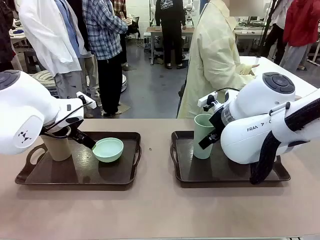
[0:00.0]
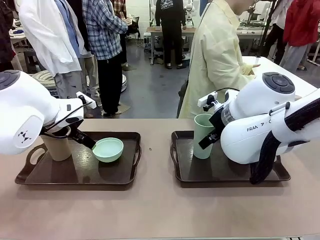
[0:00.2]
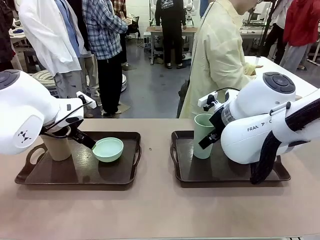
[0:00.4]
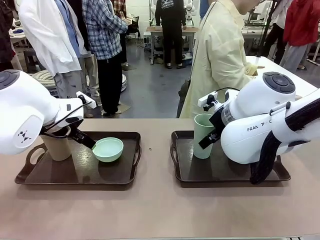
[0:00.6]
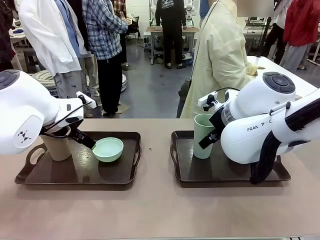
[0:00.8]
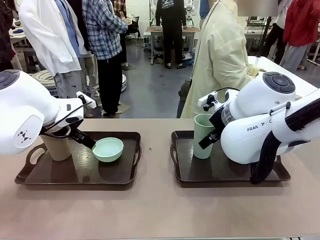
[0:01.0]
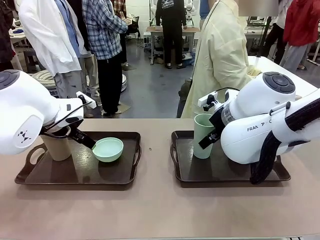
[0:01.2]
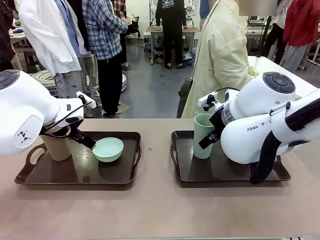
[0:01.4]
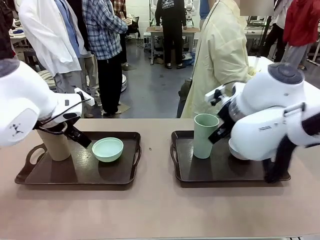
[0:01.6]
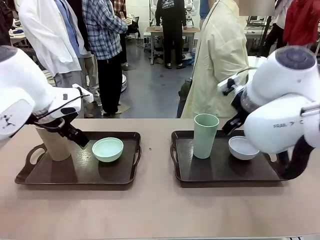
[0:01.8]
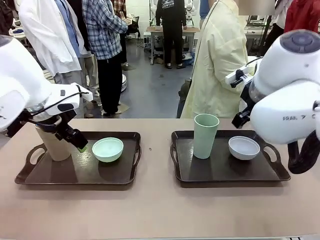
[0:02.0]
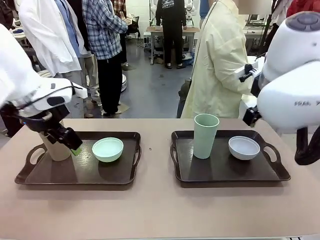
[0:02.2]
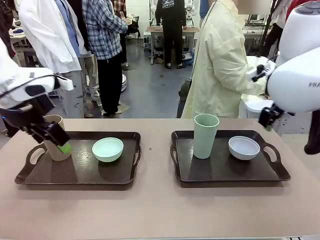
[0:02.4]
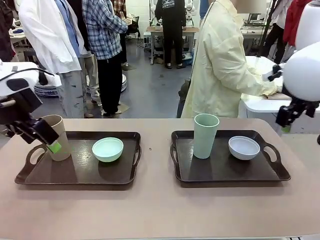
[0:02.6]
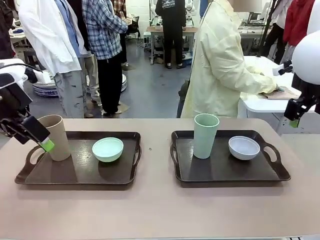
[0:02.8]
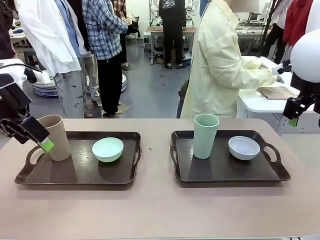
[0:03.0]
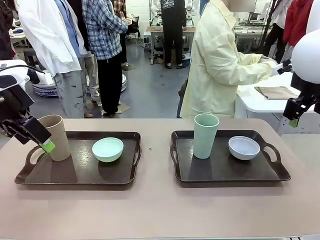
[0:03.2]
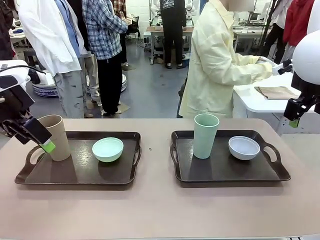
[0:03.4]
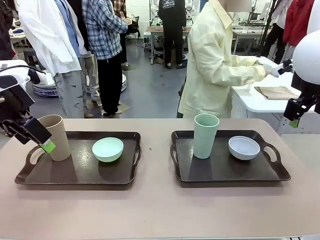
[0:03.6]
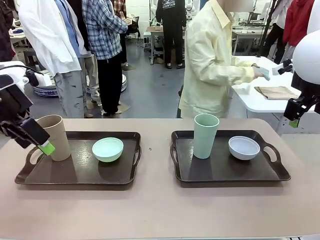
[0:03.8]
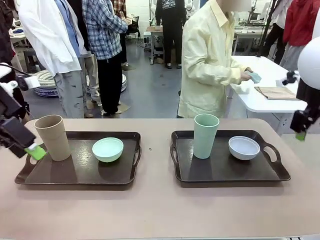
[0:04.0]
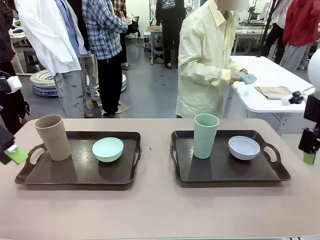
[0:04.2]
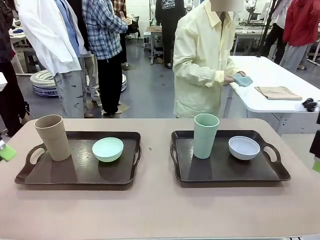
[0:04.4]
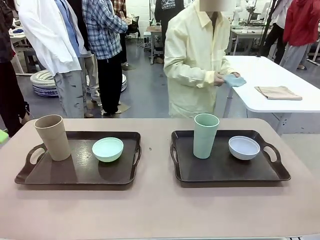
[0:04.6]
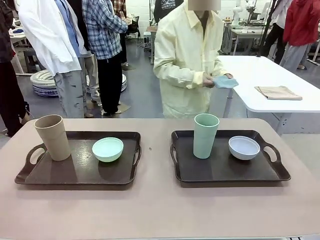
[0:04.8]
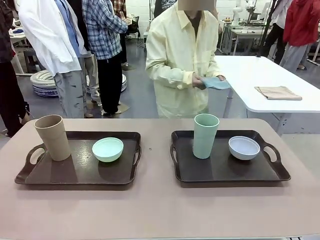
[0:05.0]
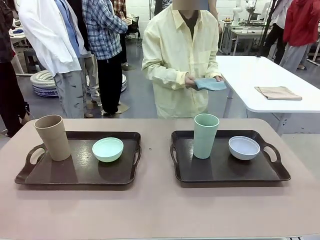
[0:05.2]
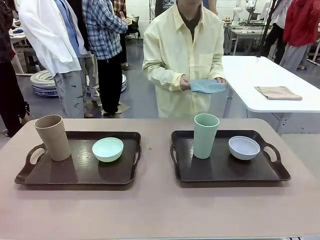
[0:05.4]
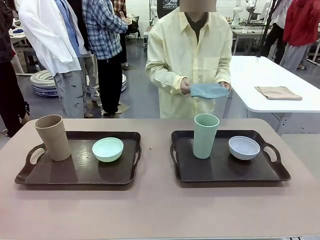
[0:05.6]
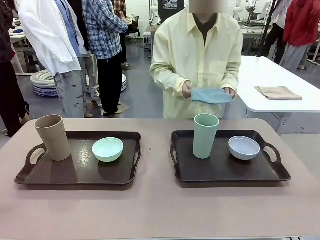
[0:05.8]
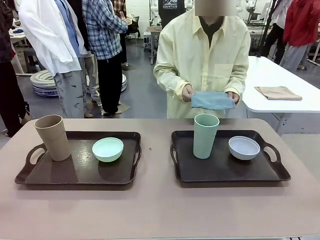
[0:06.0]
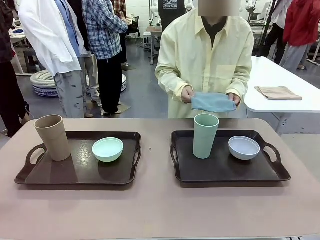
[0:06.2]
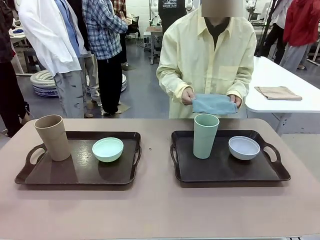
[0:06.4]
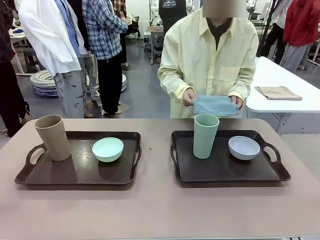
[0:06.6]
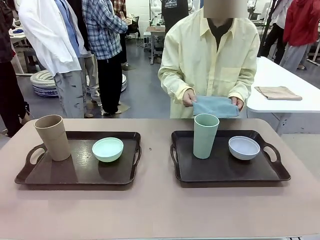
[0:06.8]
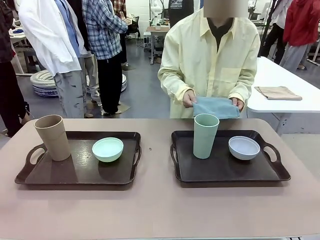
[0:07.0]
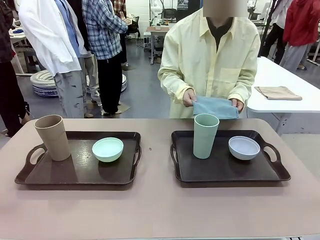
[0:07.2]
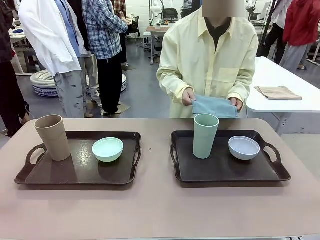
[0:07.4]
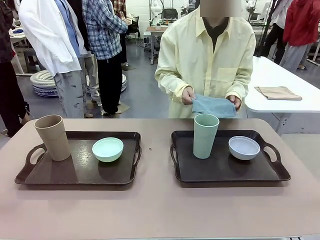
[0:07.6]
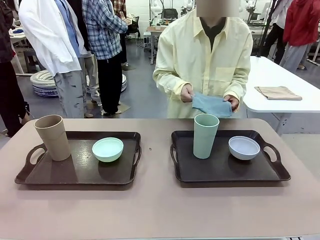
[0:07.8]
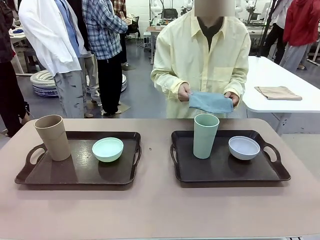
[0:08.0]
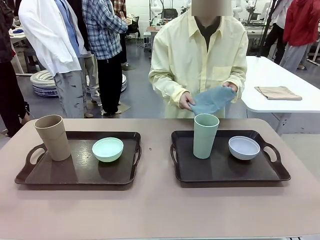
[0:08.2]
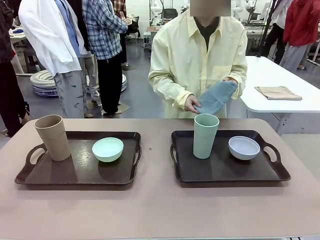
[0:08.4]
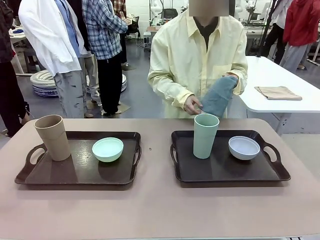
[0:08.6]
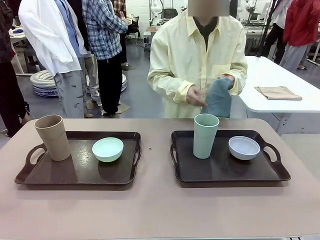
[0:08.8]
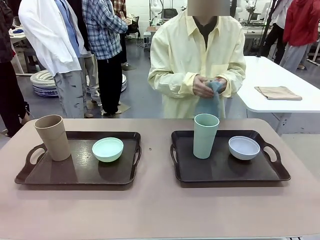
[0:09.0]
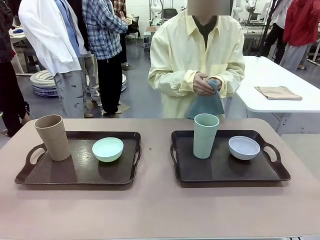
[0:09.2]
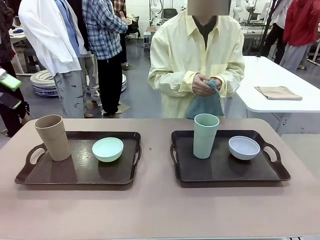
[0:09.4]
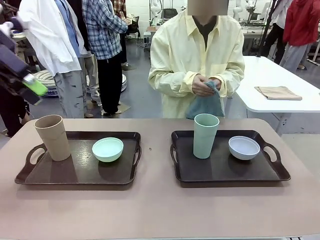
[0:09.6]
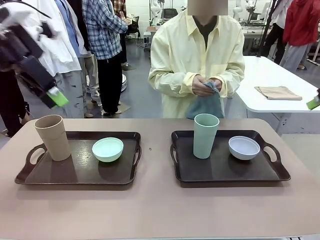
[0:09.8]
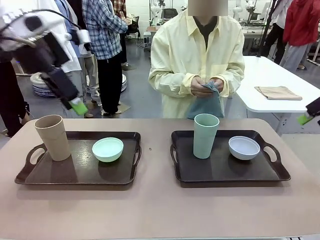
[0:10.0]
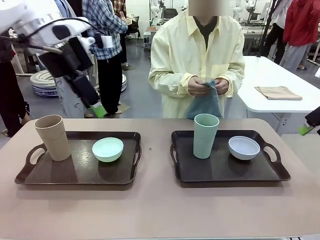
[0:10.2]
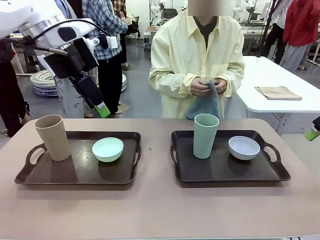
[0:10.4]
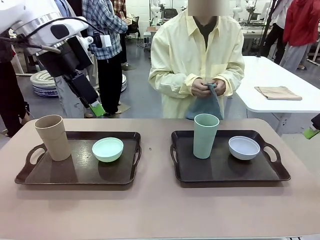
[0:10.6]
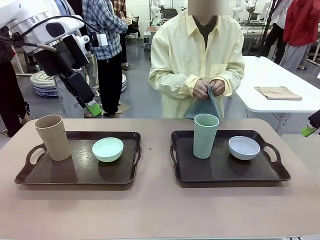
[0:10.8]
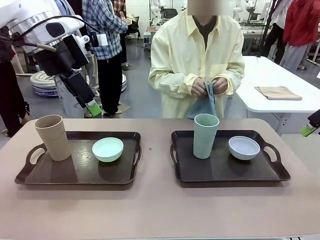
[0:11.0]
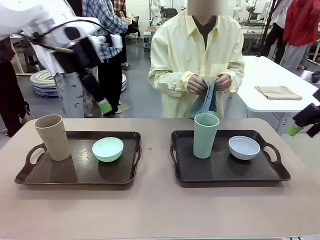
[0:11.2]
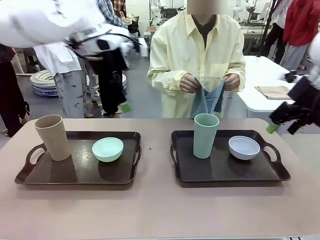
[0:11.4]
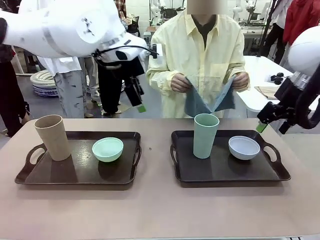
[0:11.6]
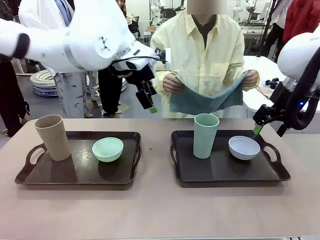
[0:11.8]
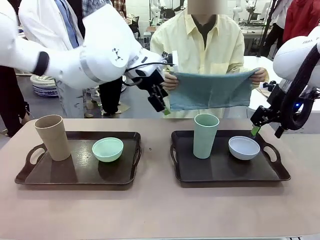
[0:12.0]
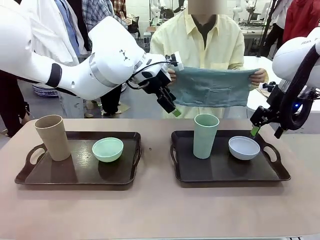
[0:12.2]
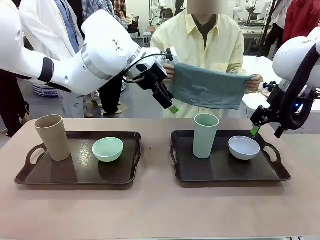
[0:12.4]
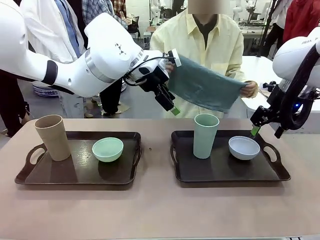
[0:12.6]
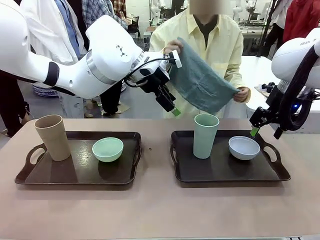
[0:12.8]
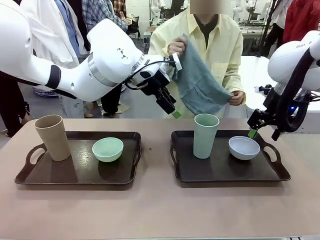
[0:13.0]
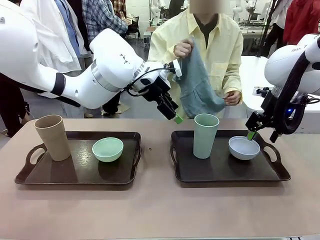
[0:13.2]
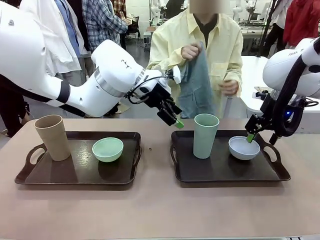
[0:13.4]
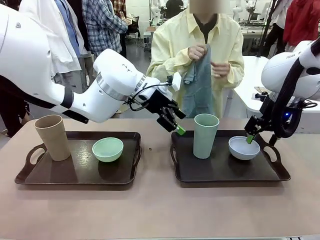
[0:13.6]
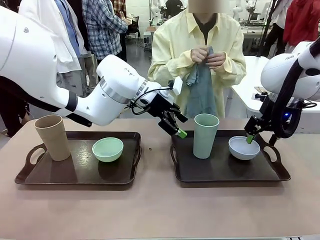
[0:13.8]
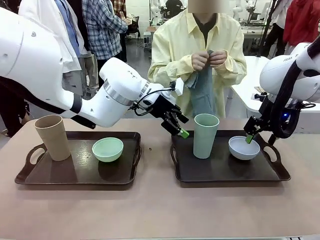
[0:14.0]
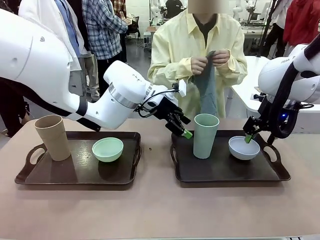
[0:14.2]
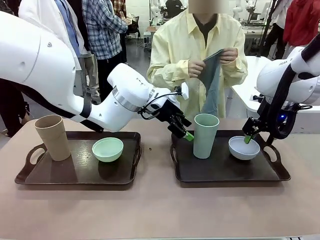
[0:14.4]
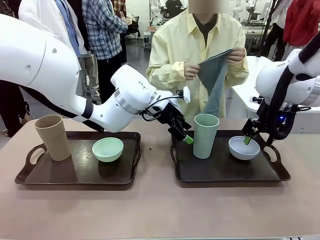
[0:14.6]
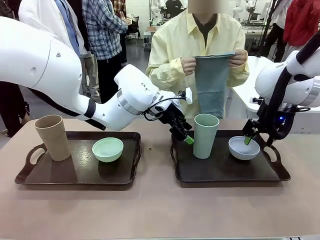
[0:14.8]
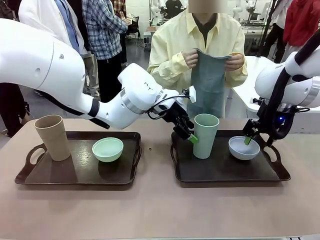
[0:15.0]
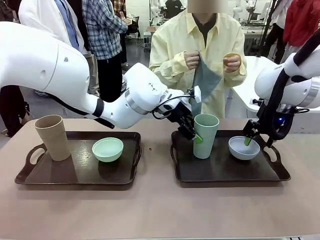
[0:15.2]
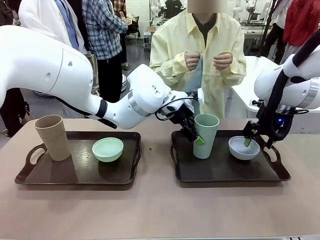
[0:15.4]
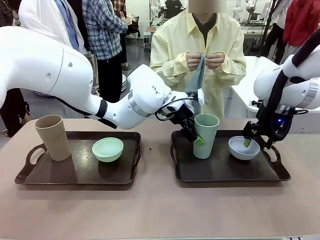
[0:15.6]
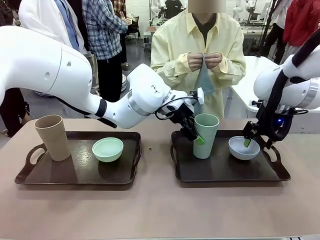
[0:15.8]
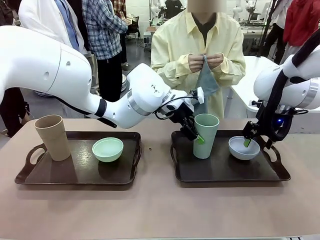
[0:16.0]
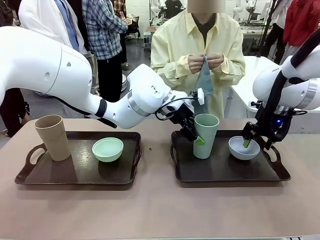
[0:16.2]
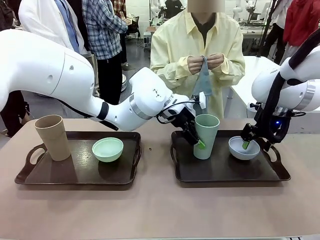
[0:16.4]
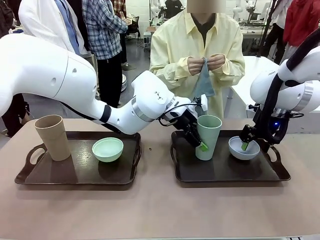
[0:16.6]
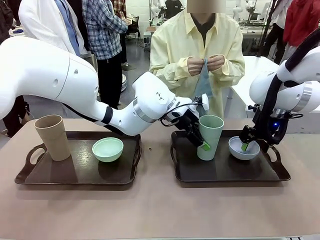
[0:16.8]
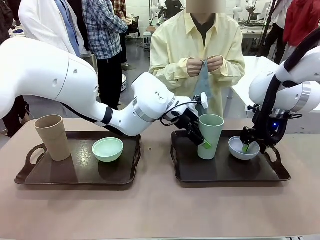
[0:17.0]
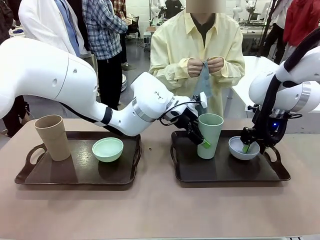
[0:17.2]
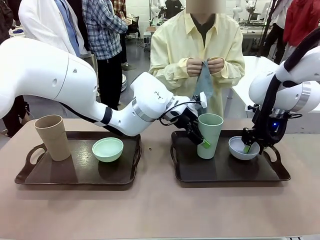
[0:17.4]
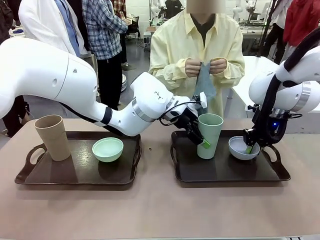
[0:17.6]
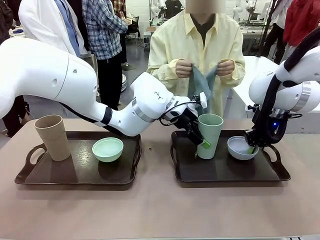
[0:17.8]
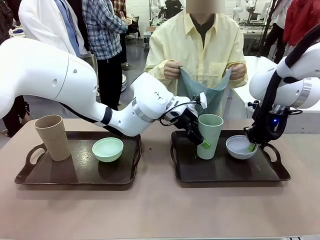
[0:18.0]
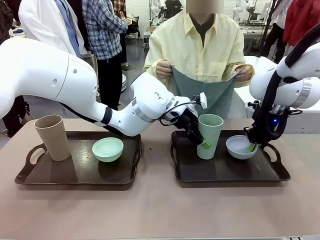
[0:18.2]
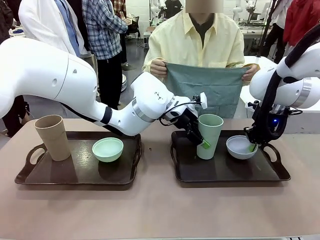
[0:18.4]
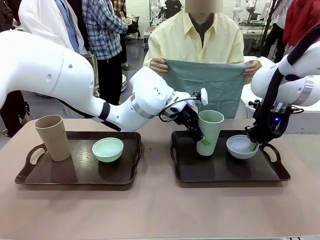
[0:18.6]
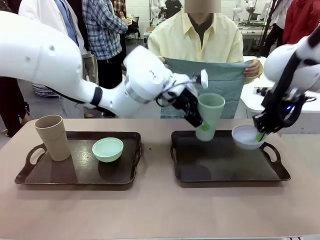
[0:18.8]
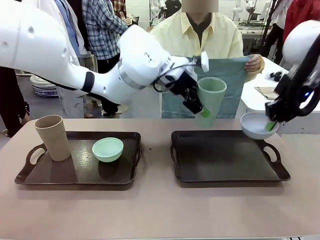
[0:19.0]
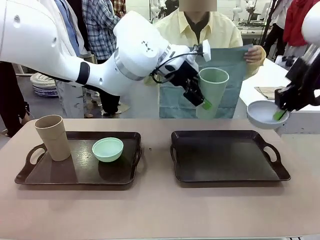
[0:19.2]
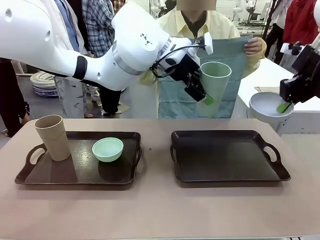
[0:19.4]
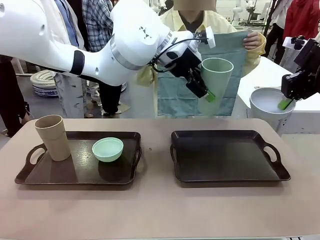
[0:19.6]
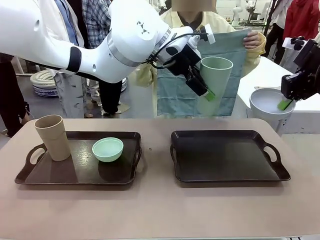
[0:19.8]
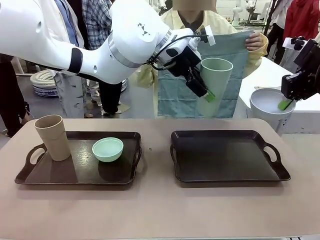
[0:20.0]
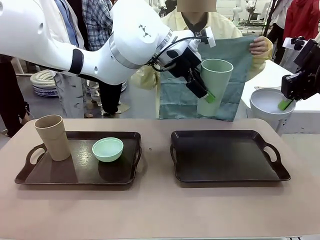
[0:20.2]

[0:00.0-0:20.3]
Robot: Pick up the Picnic Bowl and Reusable plastic cup from the Handle tray in front of the human's position and hold them in the air.
Person: The human picks up the top napkin from the stack on the human table and walks to the robot table to stand in front of one of the two trays. When the robot lifts the bowl and the cup, the human unfolds the napkin and lays the napkin flat on the tray.
